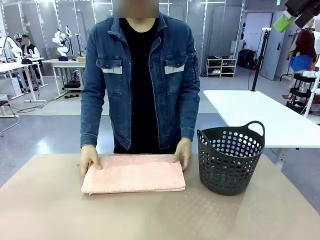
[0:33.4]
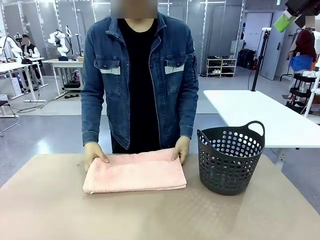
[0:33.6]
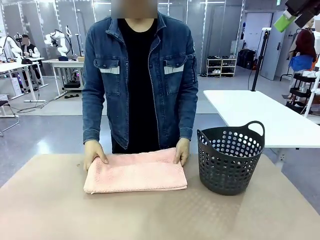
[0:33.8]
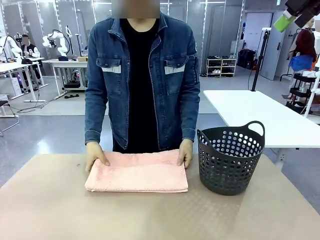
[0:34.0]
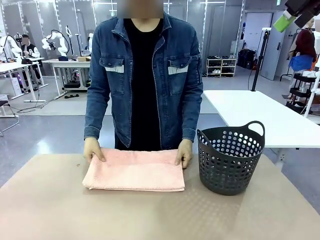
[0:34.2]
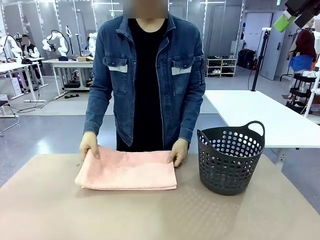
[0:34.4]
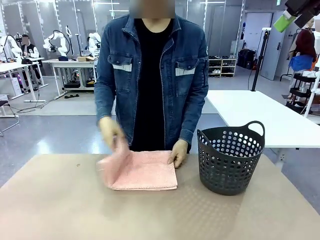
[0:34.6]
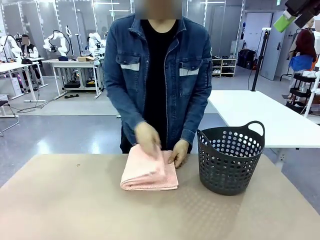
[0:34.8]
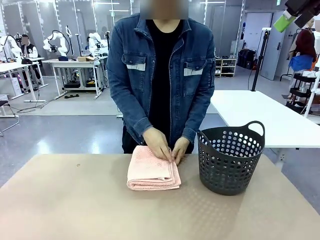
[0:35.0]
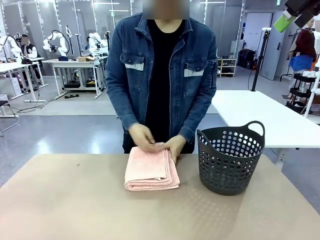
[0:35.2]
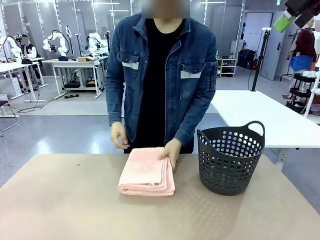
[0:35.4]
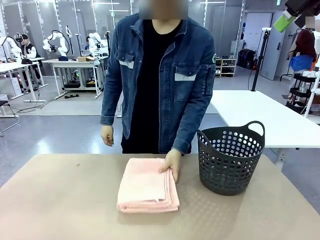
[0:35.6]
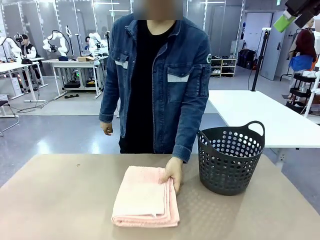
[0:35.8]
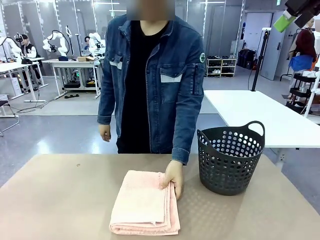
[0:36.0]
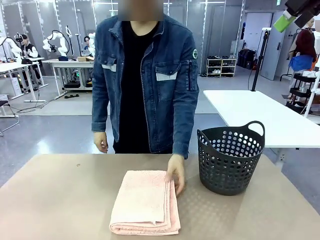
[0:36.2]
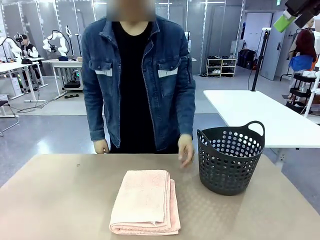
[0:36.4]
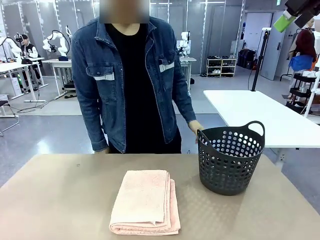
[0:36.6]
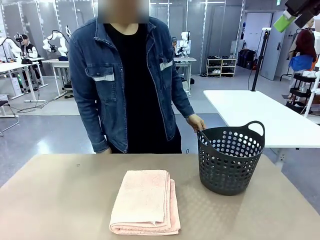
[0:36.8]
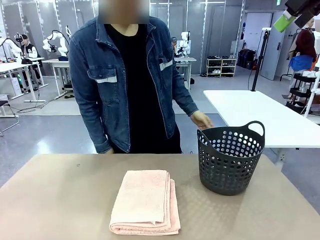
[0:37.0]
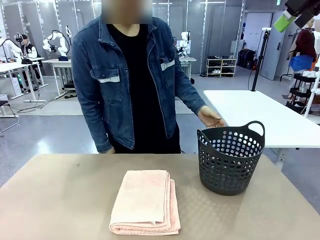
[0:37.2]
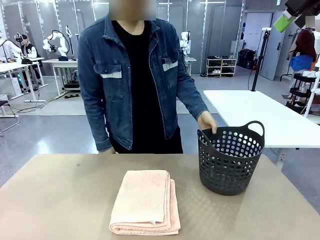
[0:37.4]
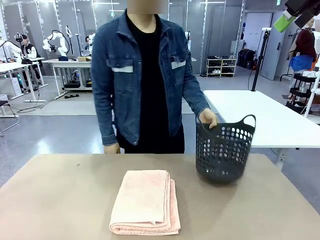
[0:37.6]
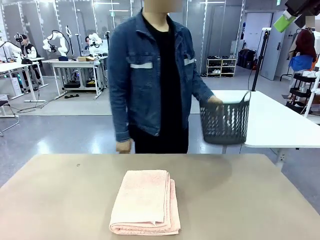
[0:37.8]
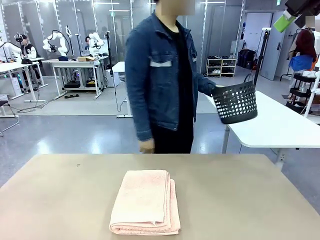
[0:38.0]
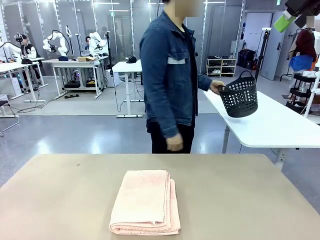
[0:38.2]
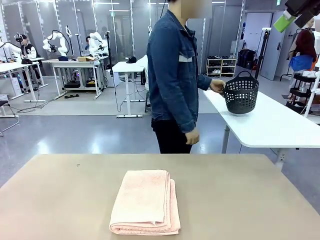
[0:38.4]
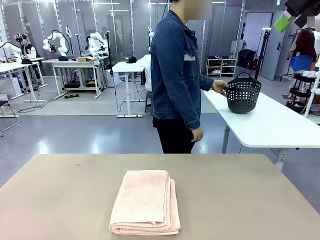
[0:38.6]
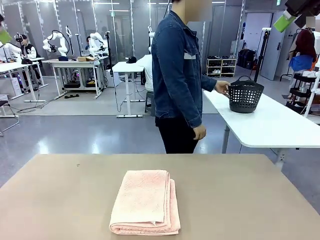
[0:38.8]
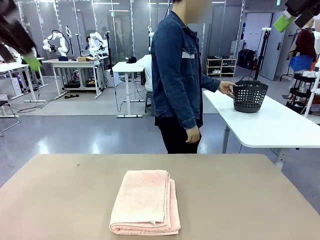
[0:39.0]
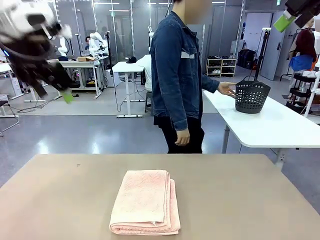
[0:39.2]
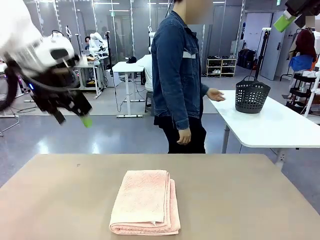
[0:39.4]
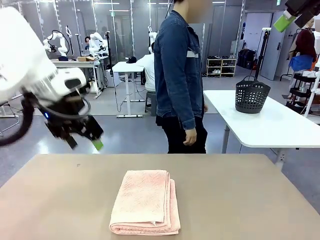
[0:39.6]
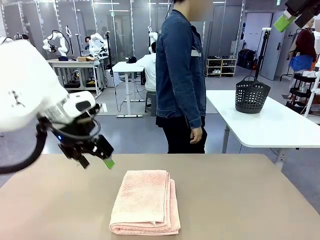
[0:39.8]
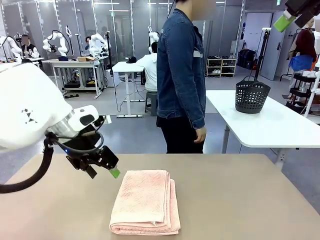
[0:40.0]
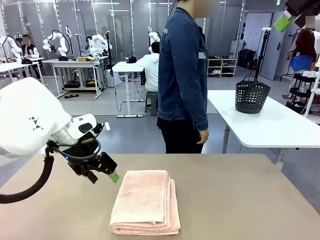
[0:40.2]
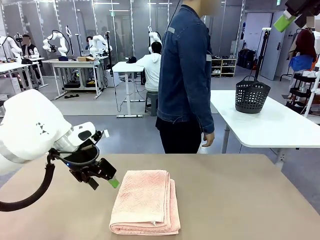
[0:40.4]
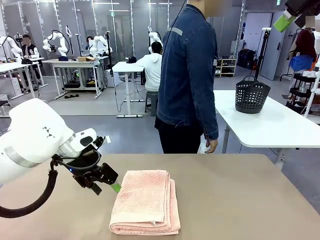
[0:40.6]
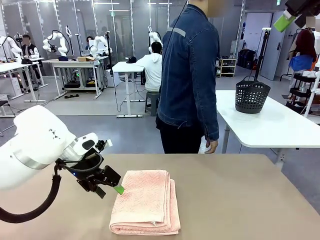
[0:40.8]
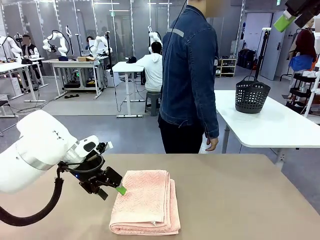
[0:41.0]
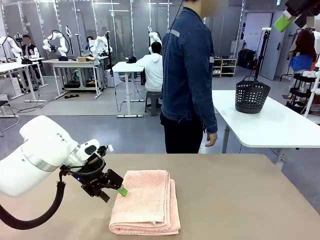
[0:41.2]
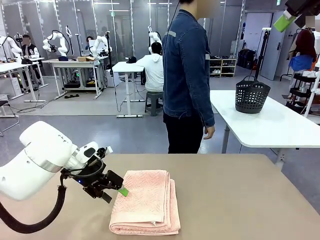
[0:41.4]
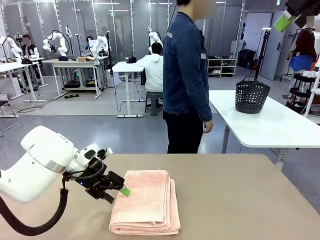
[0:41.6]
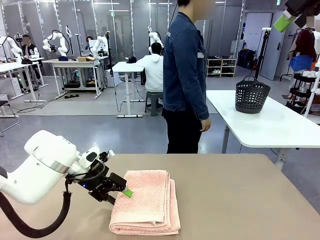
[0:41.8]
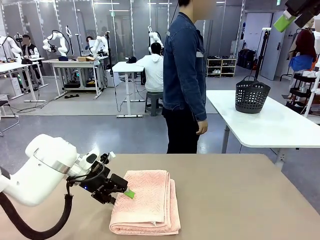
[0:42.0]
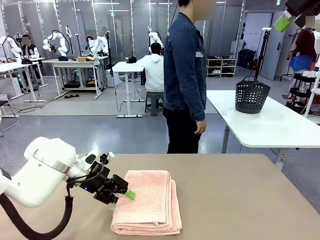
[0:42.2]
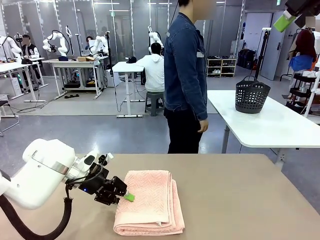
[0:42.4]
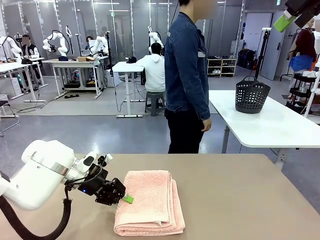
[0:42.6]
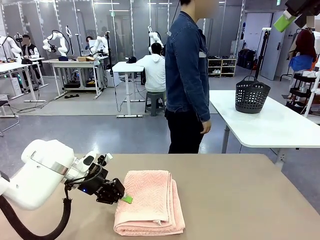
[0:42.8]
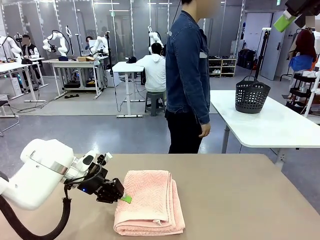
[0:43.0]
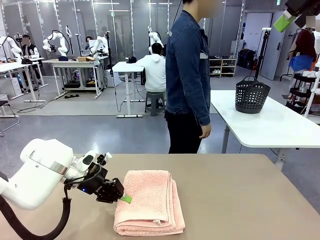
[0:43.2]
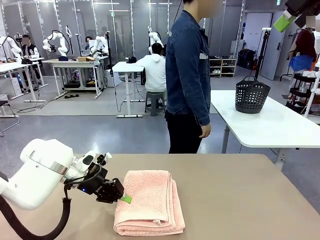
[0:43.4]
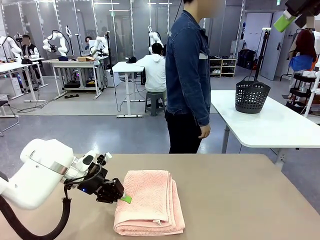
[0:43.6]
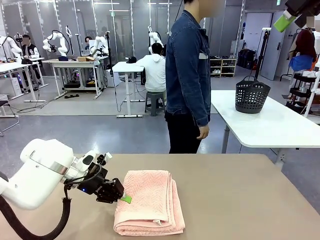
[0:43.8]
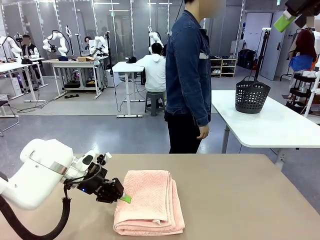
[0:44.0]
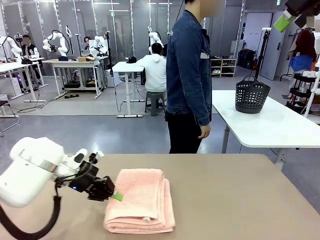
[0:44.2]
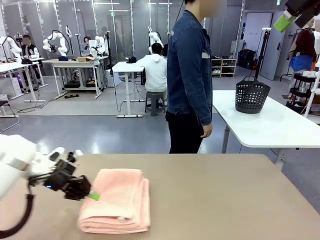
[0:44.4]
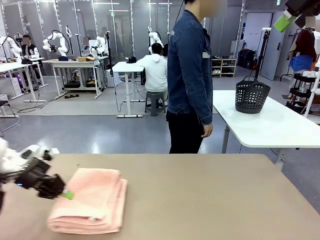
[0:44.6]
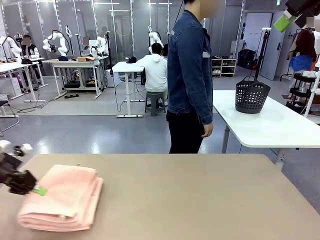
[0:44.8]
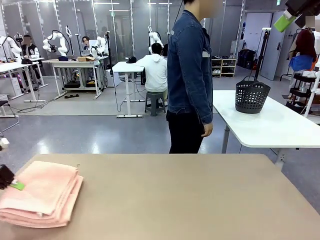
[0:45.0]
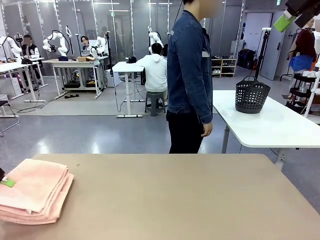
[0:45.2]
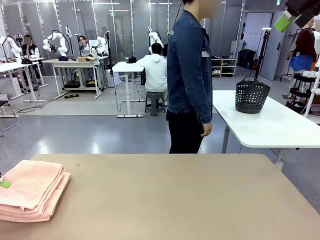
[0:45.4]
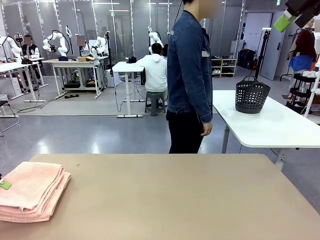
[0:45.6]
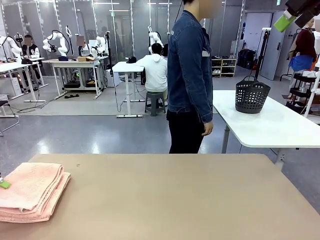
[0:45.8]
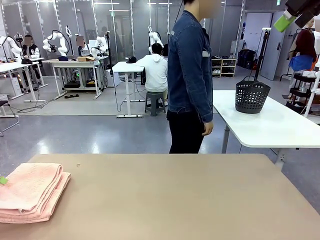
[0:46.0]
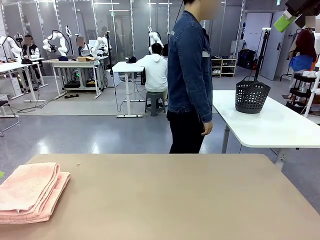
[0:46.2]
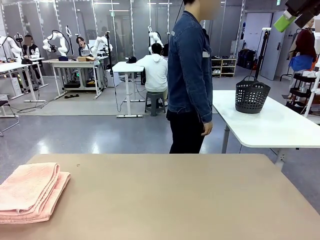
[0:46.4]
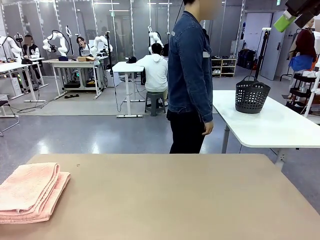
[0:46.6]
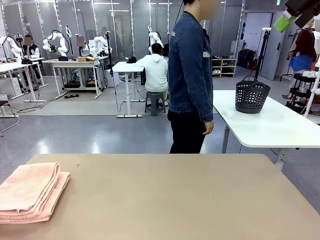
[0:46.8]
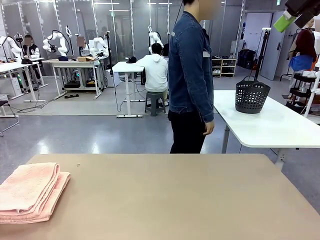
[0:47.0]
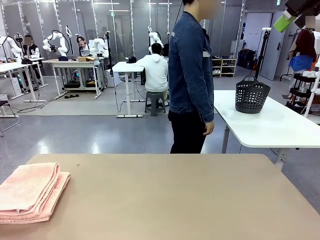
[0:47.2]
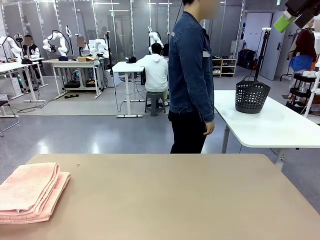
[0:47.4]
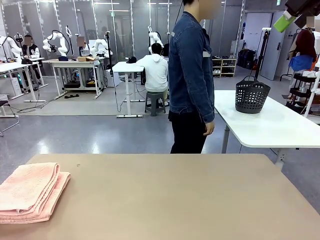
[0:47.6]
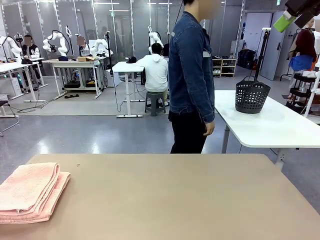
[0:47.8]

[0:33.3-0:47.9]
Task: Fold the towel.
Robot: Pick up the 100 cm Hotel Towel and place it on the left side of the table.
Person: Place the towel at the center of the robot table and fold it in half. Pick up the laundry basket and place it at the center of the human table.
